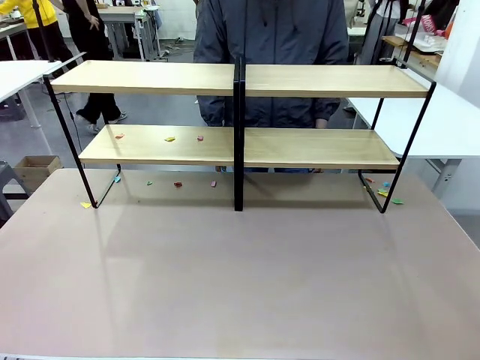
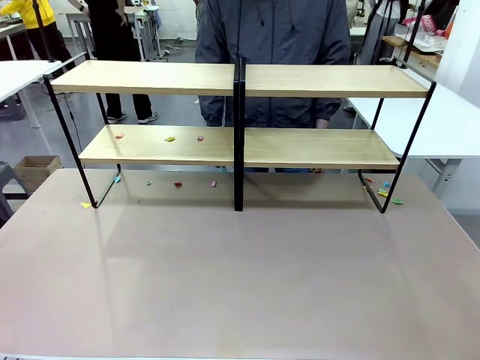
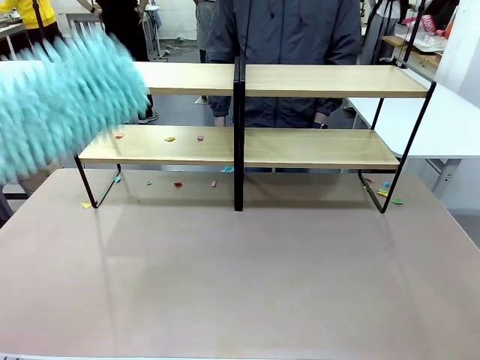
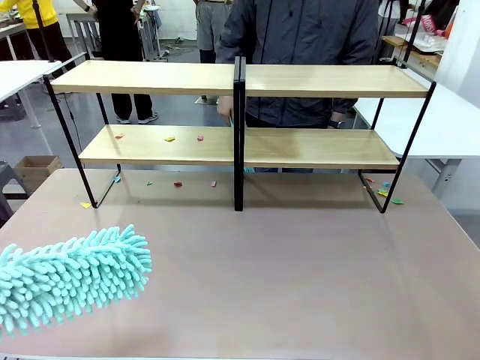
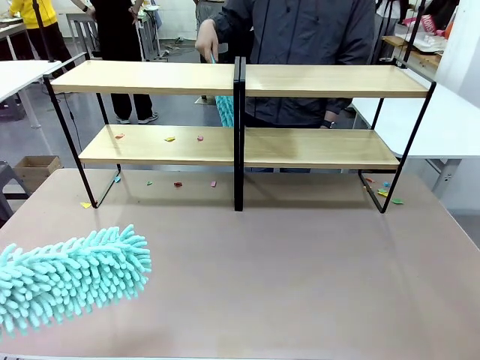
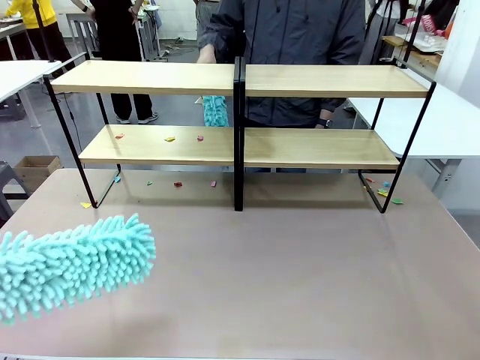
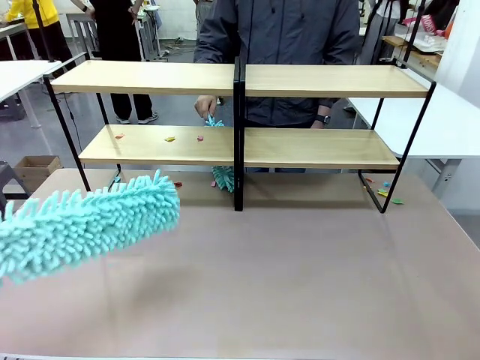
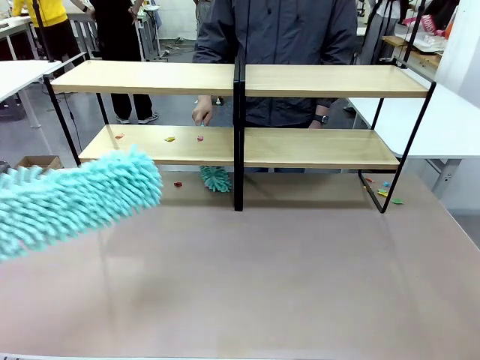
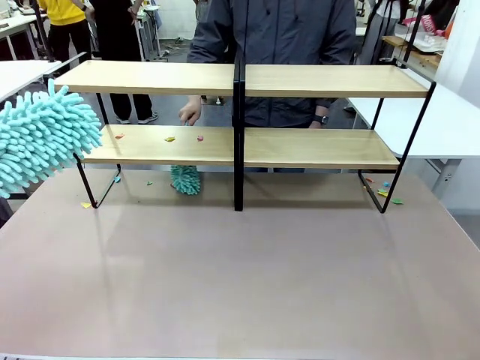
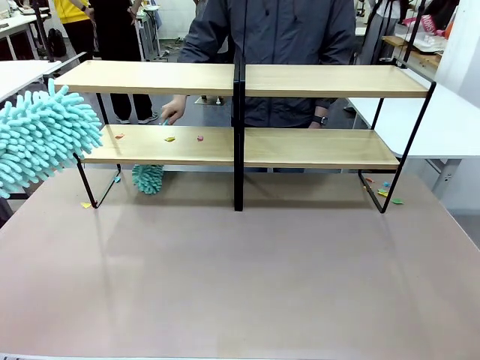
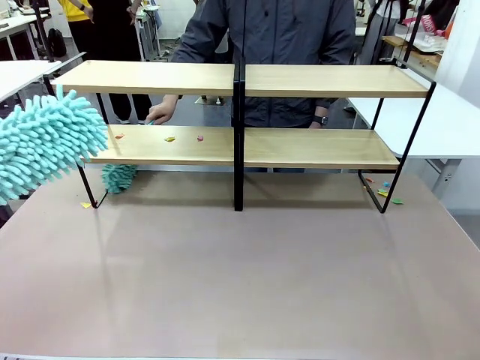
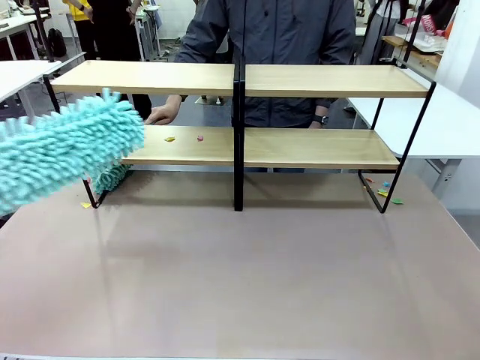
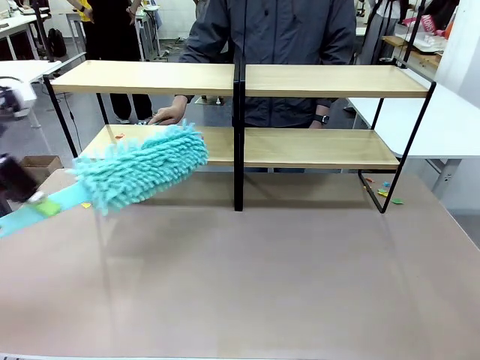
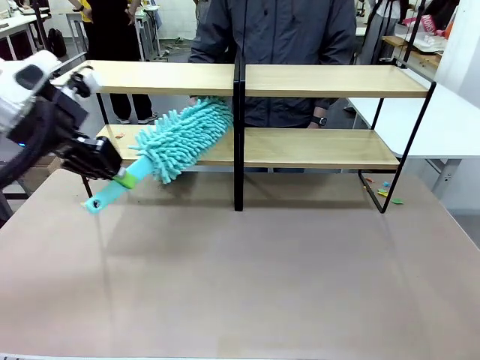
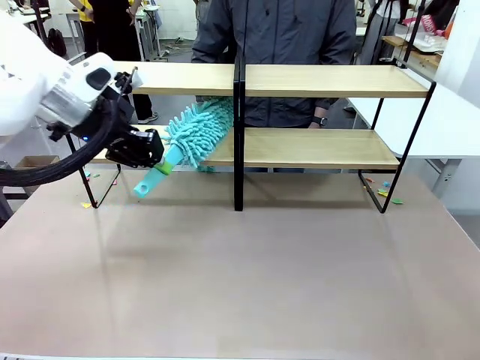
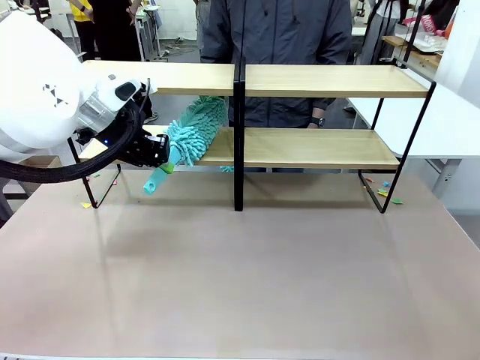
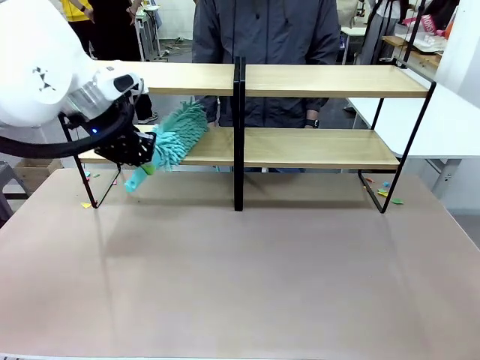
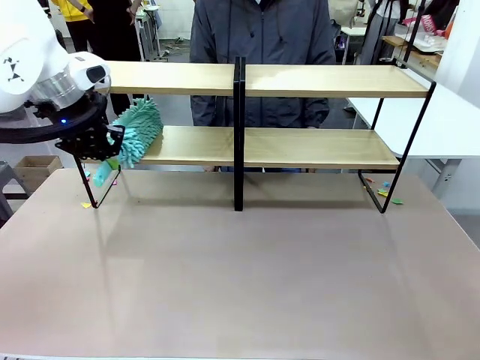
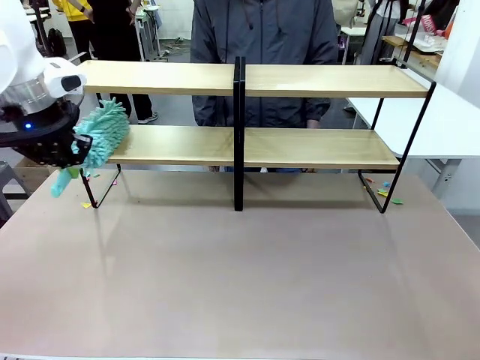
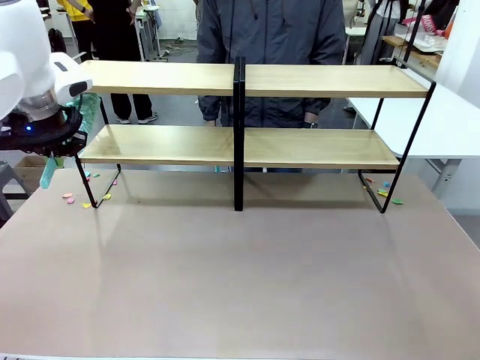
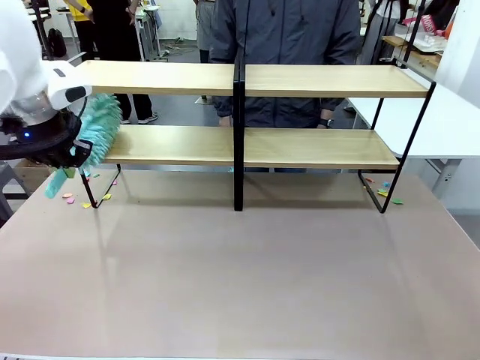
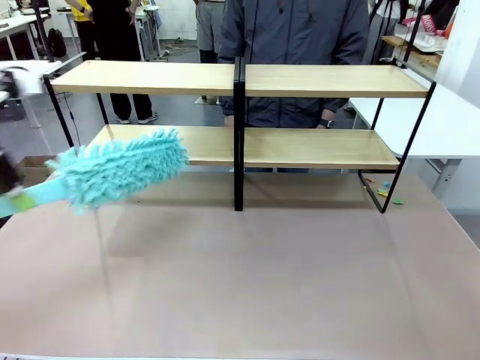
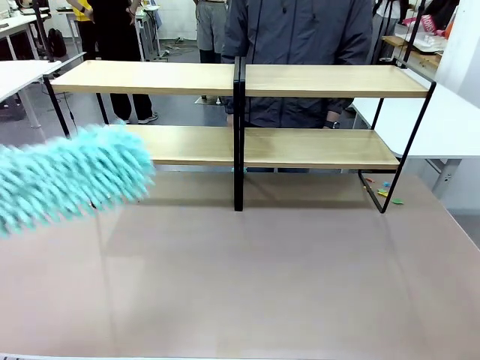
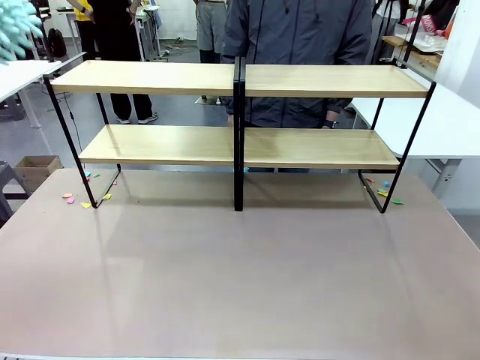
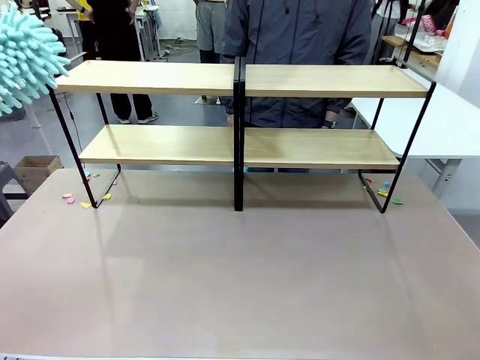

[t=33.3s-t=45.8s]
Task: Clean the shelves.
Robot: Clean another randomly selected level of the Shelf with the Duster.

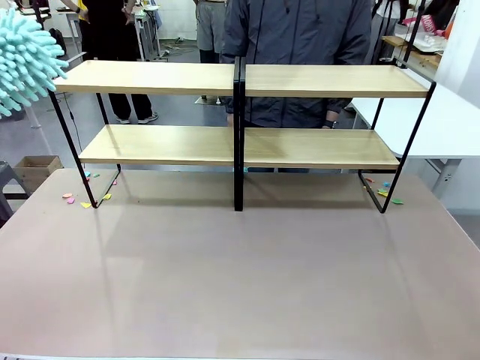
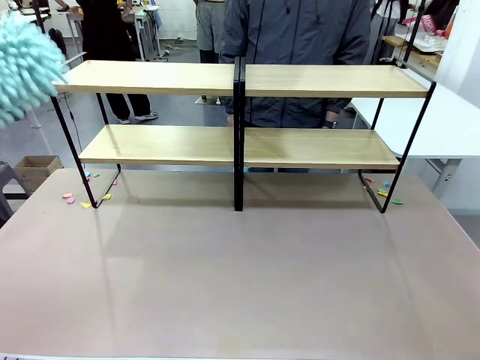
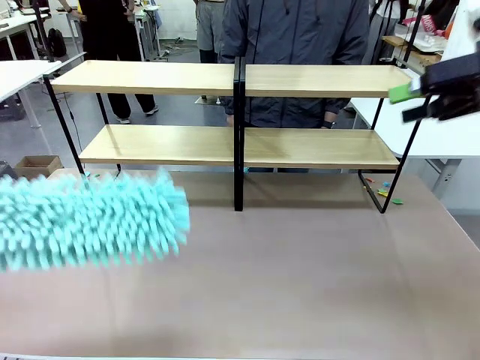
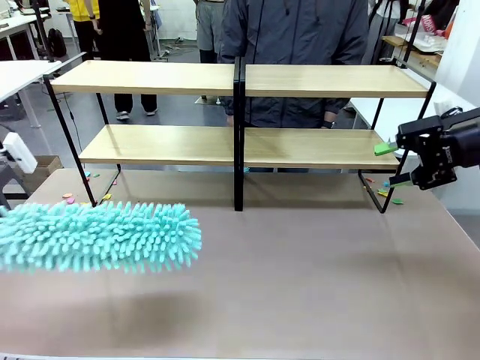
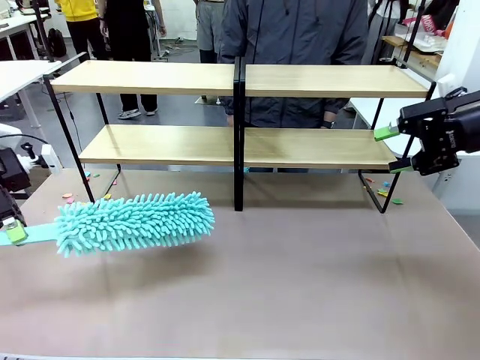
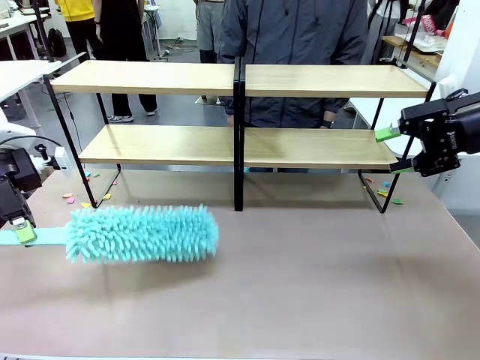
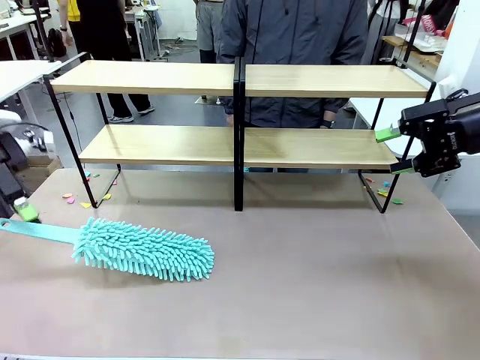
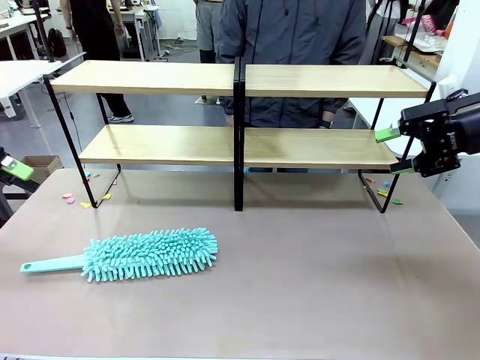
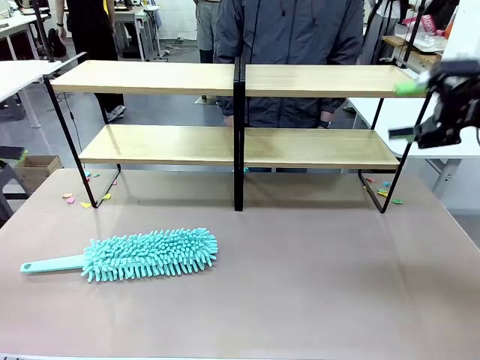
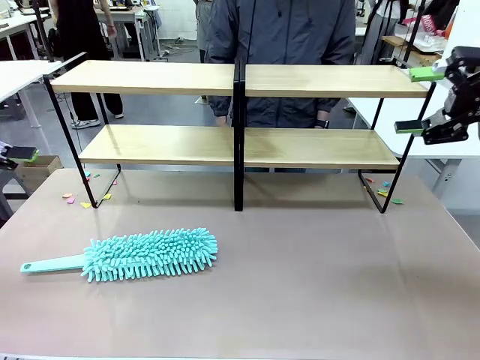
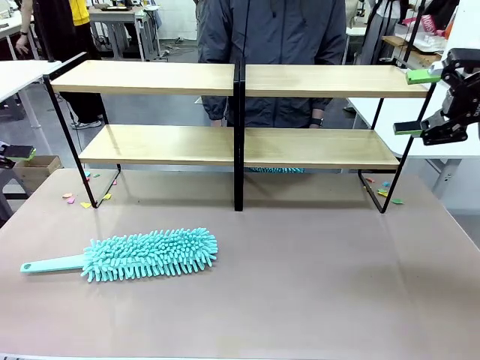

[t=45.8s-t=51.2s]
Robot: Place the Duster on the table.

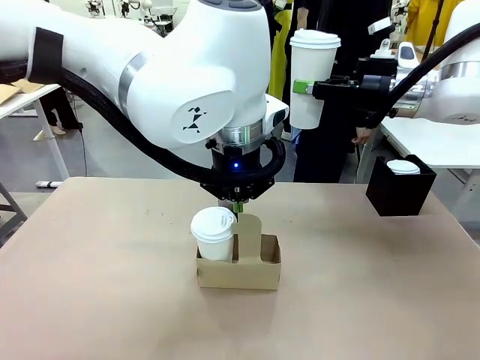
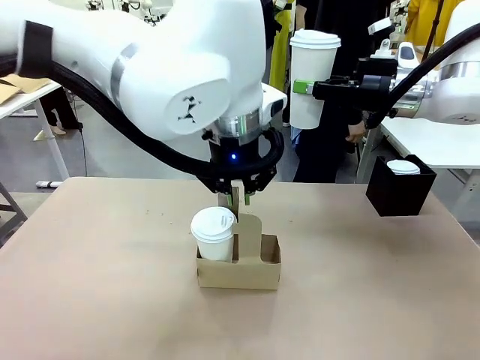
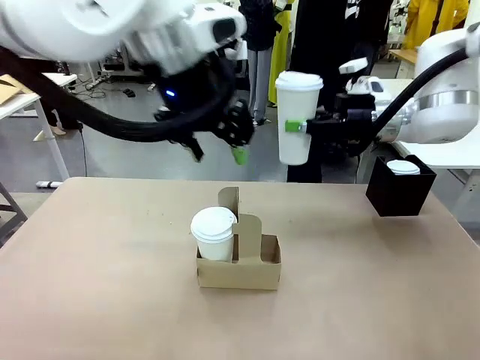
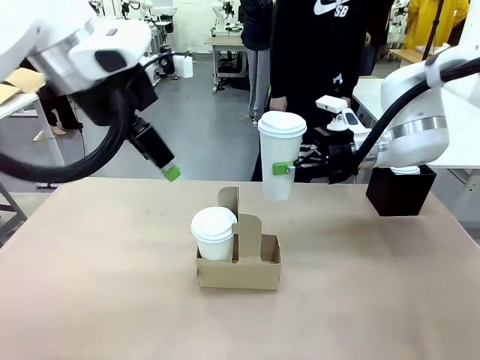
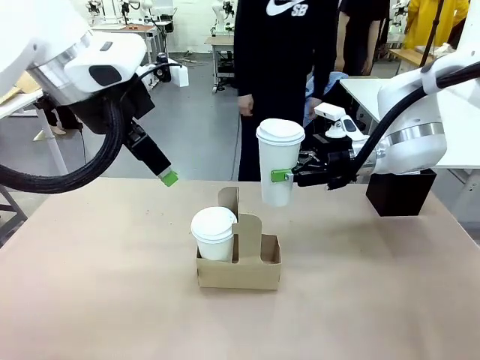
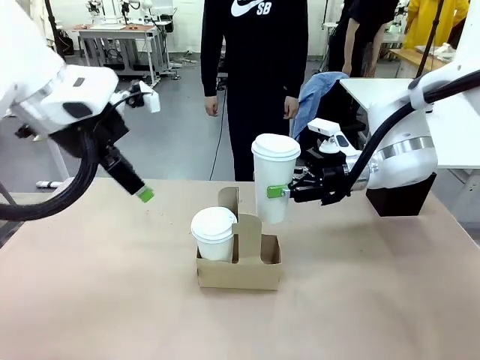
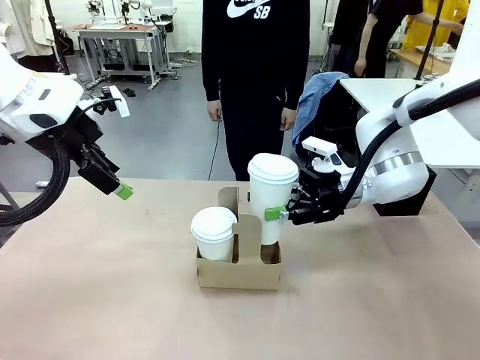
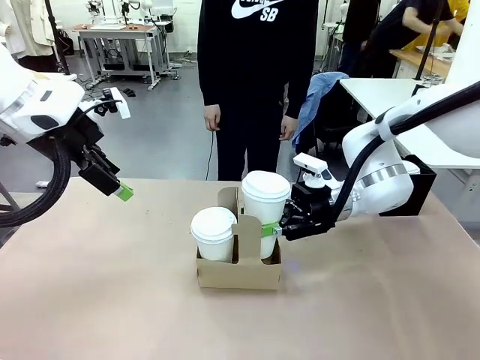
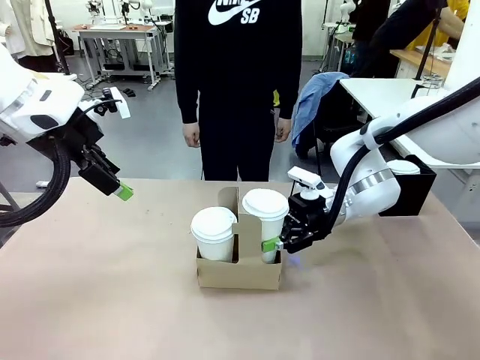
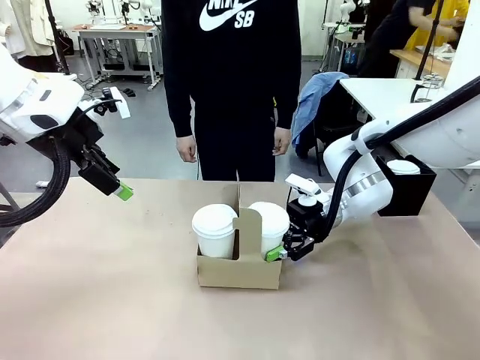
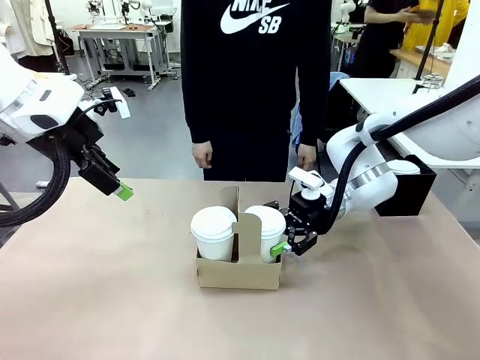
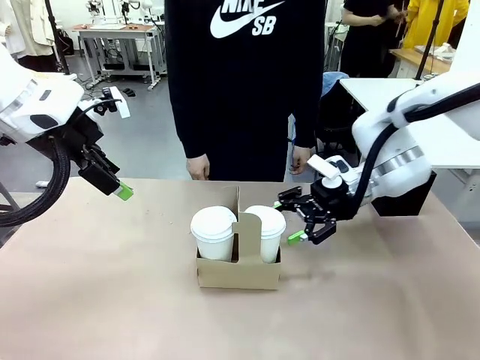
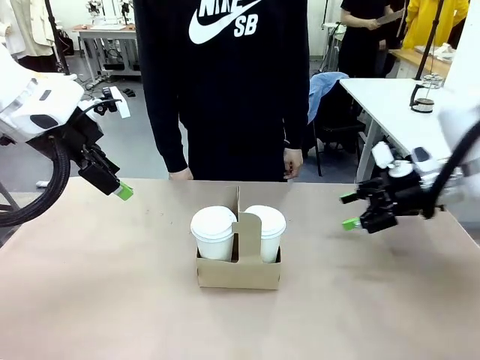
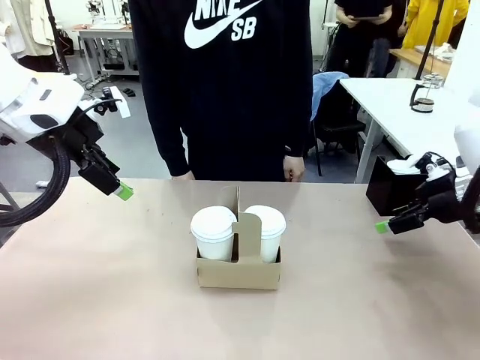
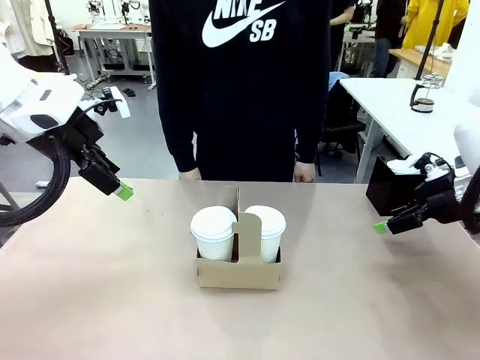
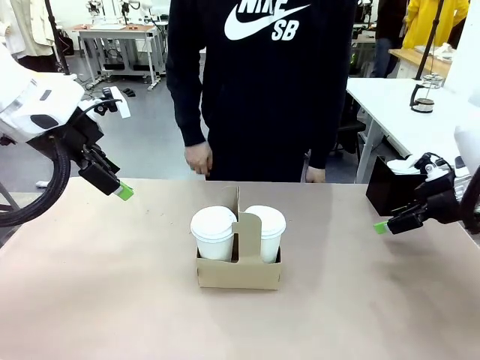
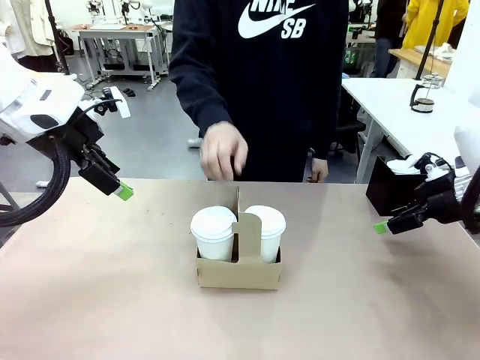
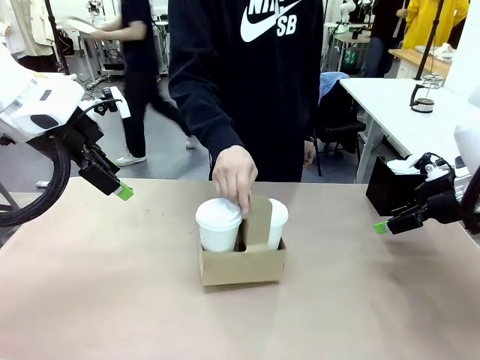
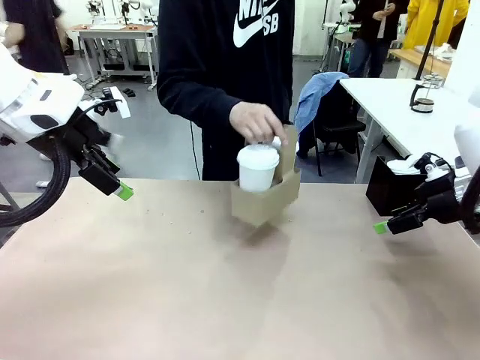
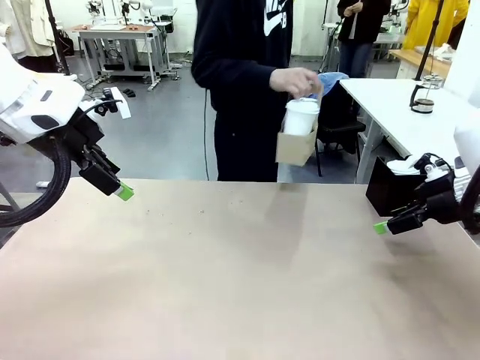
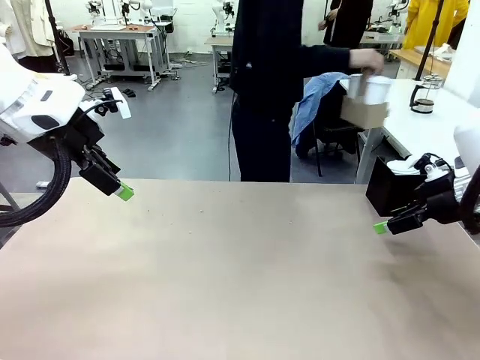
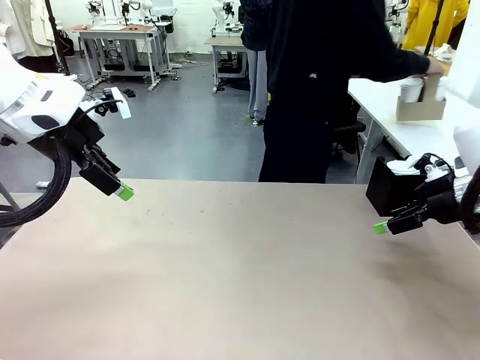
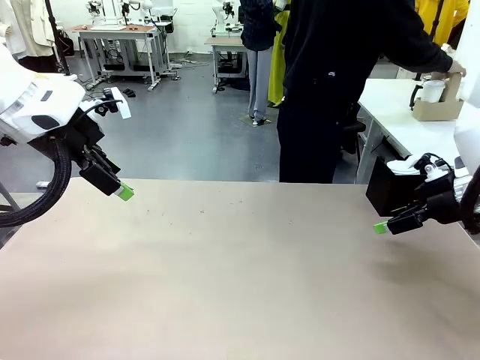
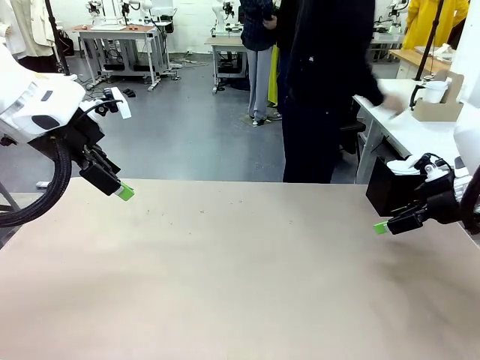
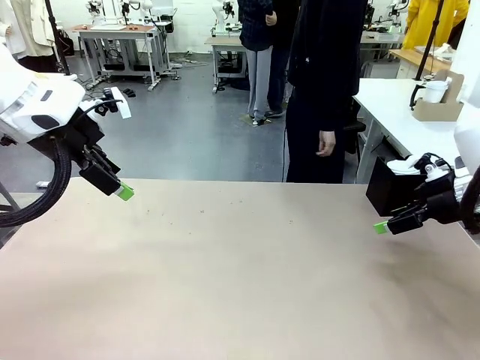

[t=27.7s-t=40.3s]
Task: Pour a drink into a cup and package it in a carrier.
Robot: Insert the held 600 ml Paper Cup into the Cup Carrier.
Person: Place the Cup Carrier to the middle of Human table.
